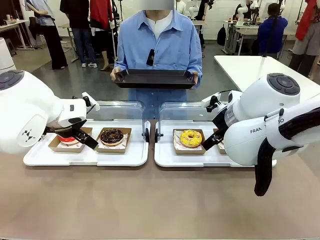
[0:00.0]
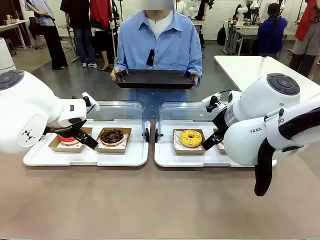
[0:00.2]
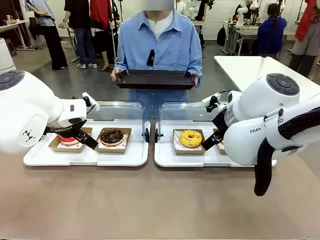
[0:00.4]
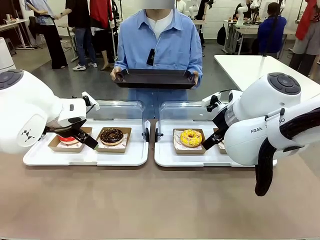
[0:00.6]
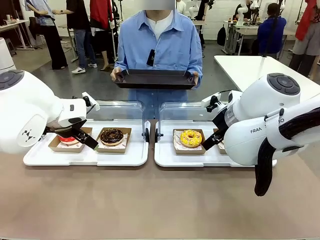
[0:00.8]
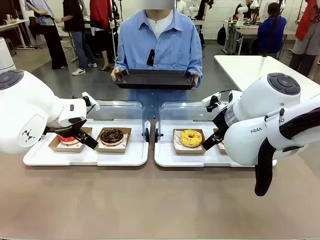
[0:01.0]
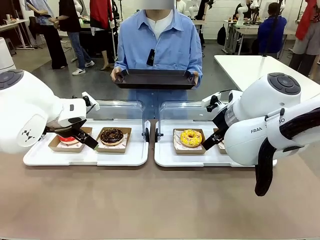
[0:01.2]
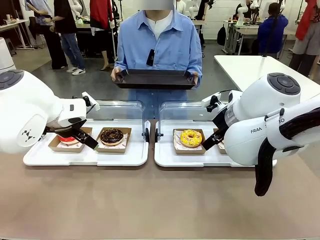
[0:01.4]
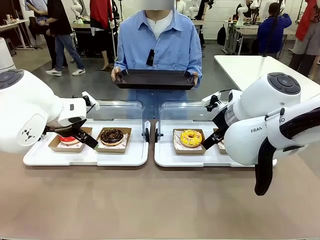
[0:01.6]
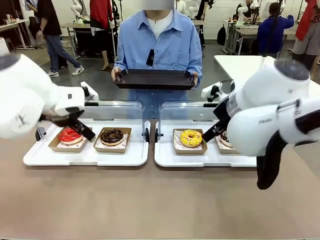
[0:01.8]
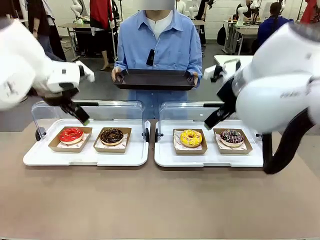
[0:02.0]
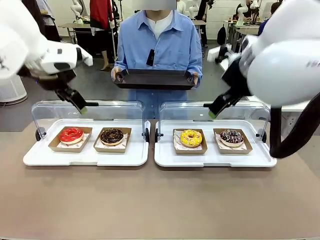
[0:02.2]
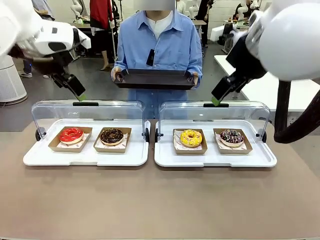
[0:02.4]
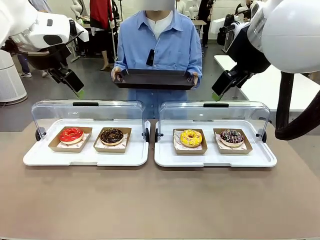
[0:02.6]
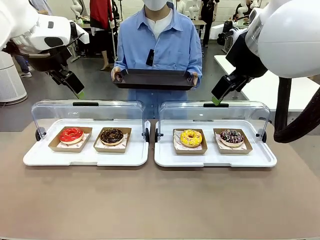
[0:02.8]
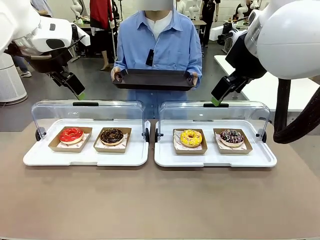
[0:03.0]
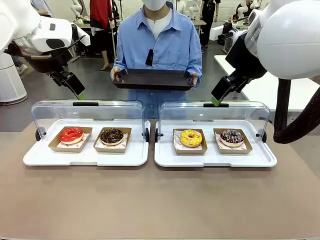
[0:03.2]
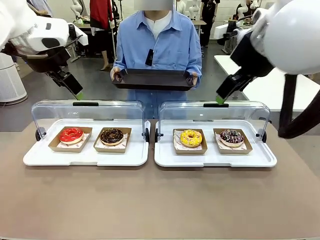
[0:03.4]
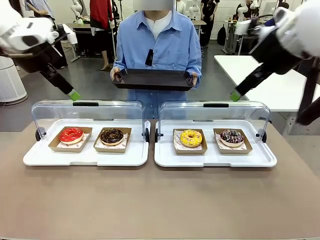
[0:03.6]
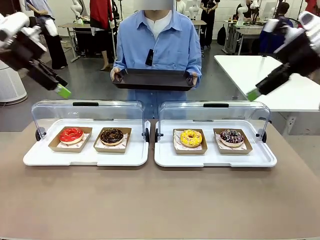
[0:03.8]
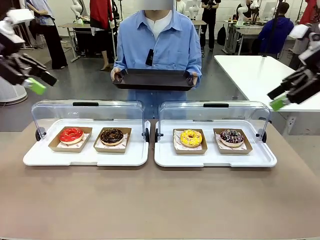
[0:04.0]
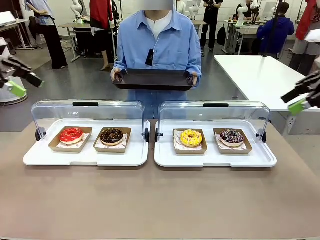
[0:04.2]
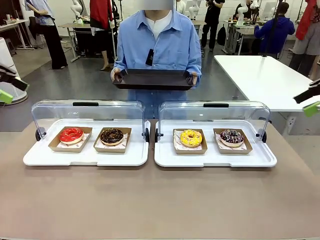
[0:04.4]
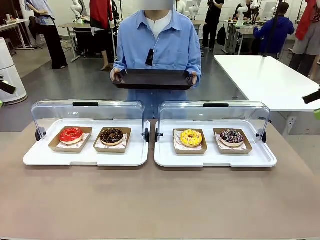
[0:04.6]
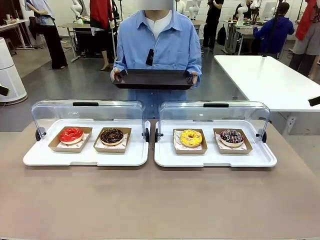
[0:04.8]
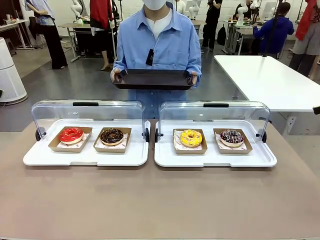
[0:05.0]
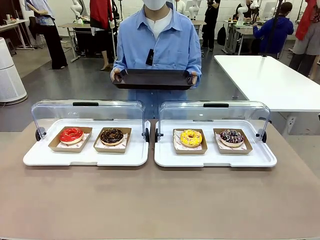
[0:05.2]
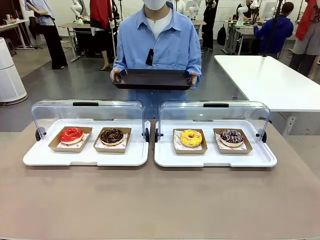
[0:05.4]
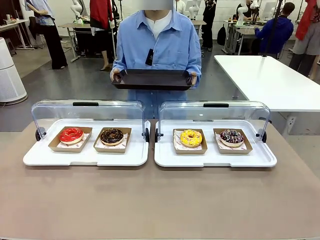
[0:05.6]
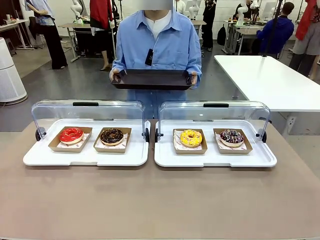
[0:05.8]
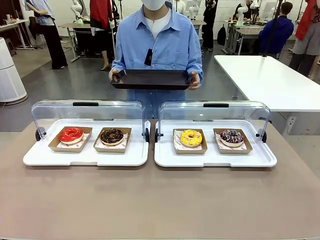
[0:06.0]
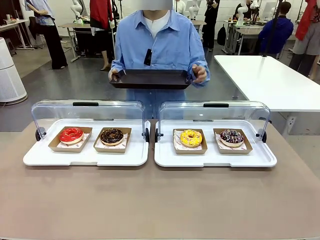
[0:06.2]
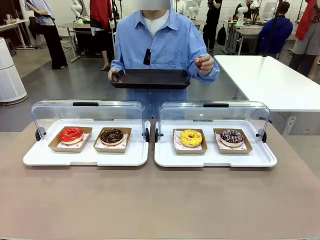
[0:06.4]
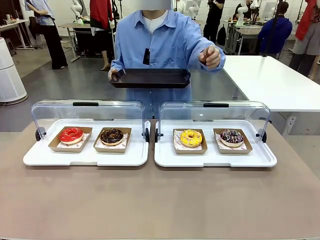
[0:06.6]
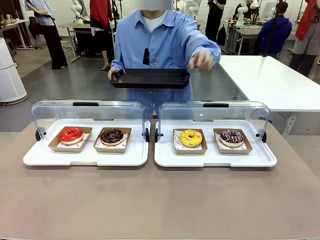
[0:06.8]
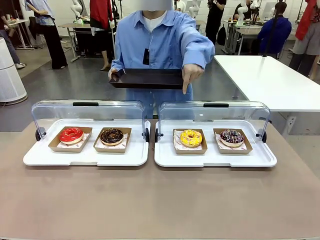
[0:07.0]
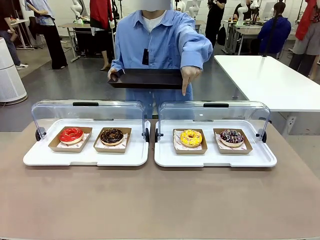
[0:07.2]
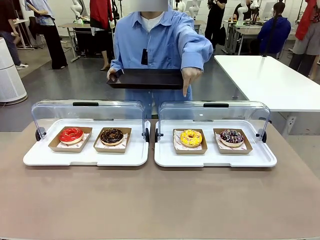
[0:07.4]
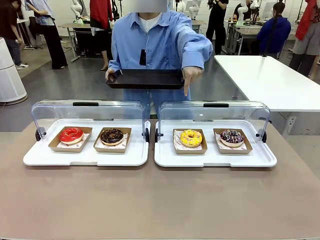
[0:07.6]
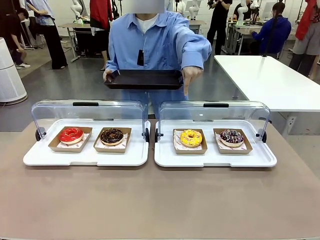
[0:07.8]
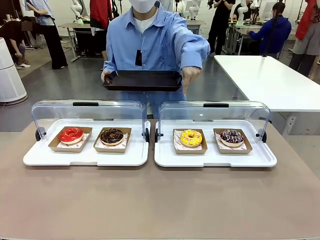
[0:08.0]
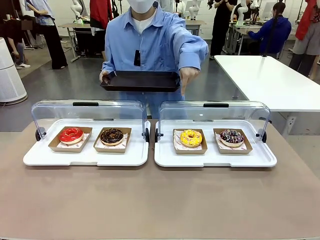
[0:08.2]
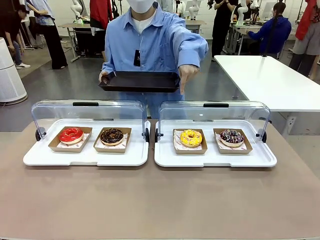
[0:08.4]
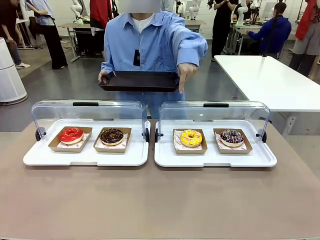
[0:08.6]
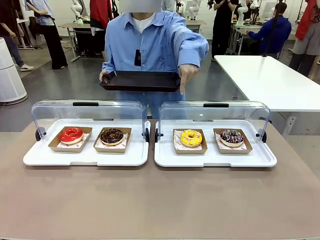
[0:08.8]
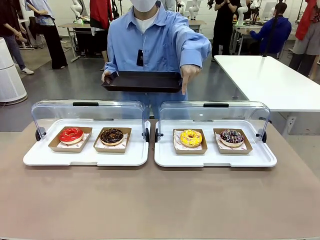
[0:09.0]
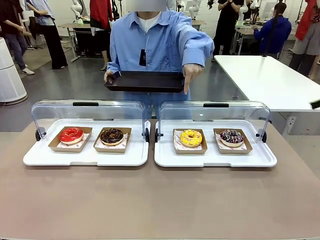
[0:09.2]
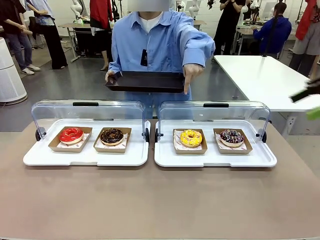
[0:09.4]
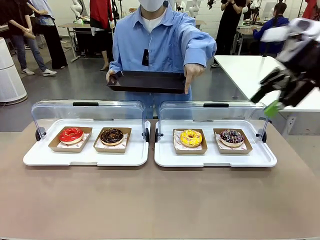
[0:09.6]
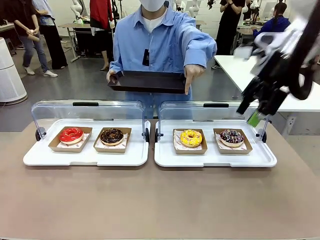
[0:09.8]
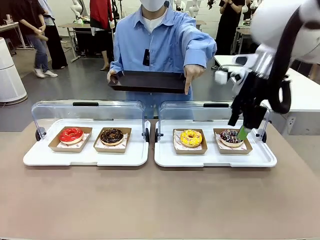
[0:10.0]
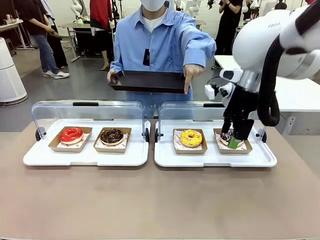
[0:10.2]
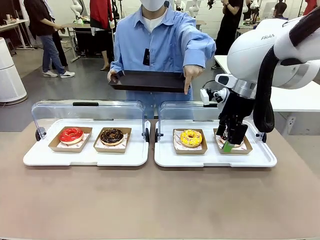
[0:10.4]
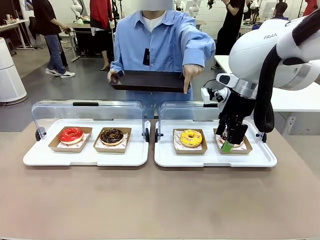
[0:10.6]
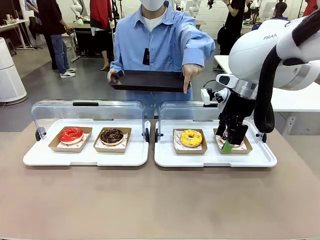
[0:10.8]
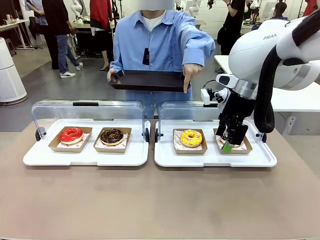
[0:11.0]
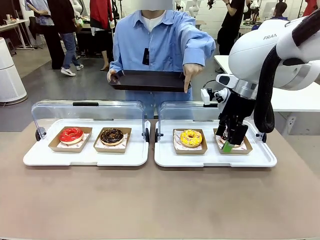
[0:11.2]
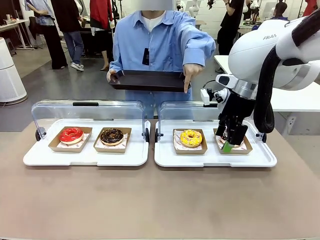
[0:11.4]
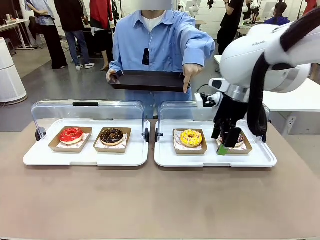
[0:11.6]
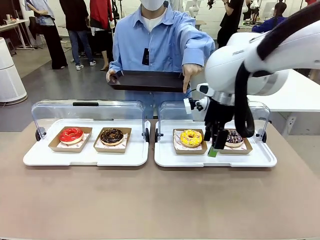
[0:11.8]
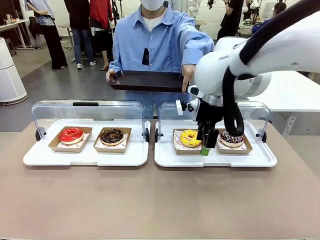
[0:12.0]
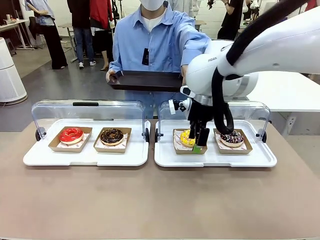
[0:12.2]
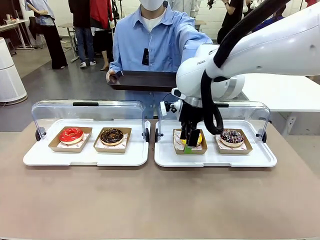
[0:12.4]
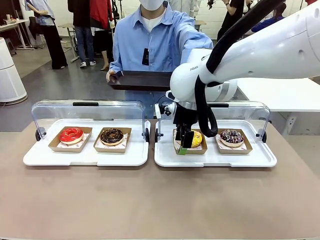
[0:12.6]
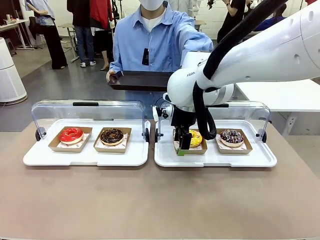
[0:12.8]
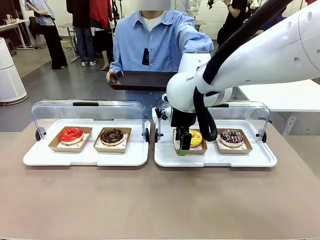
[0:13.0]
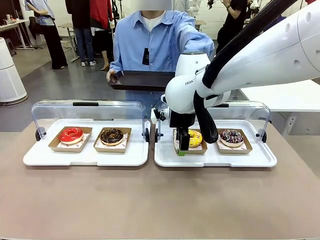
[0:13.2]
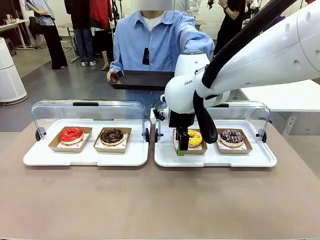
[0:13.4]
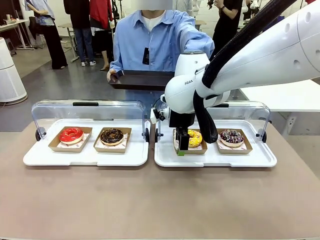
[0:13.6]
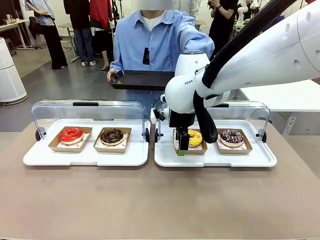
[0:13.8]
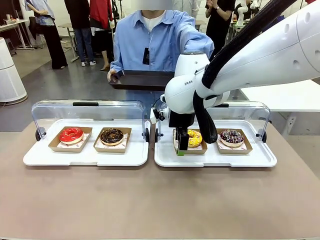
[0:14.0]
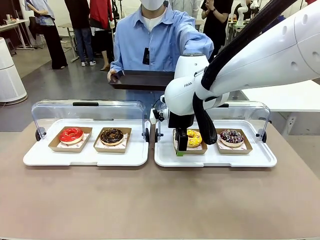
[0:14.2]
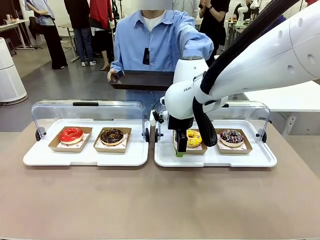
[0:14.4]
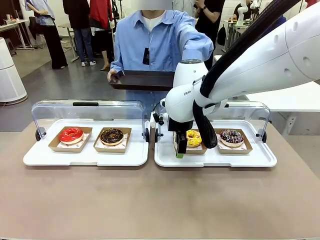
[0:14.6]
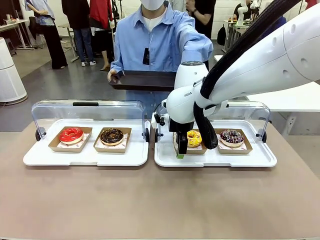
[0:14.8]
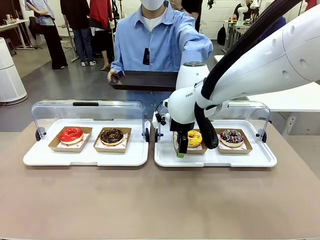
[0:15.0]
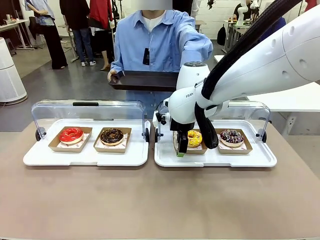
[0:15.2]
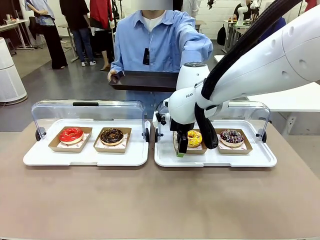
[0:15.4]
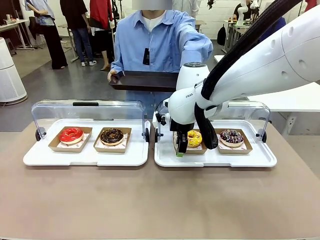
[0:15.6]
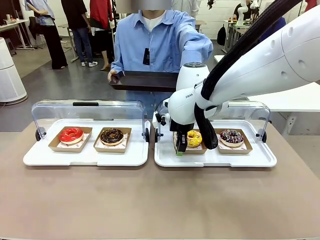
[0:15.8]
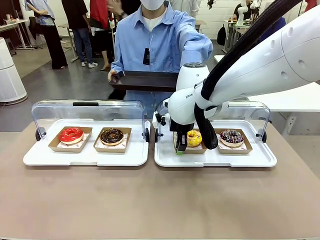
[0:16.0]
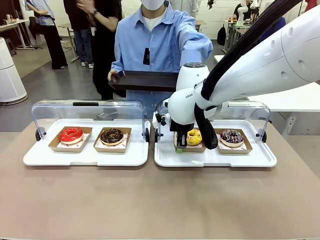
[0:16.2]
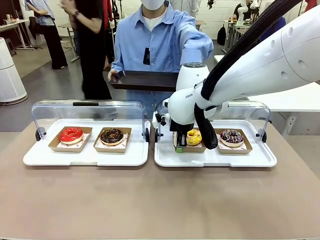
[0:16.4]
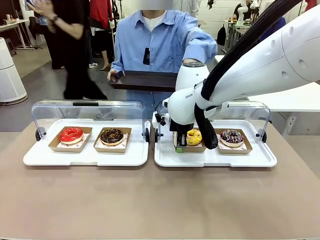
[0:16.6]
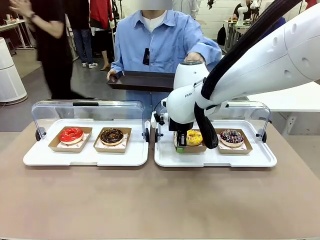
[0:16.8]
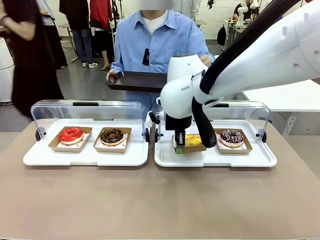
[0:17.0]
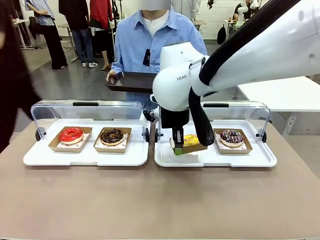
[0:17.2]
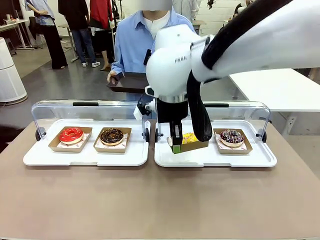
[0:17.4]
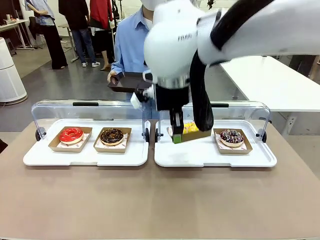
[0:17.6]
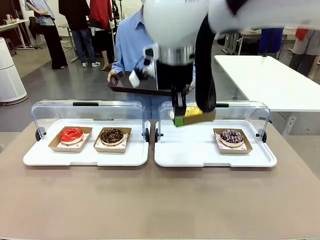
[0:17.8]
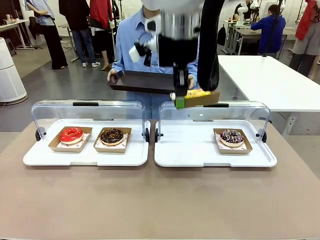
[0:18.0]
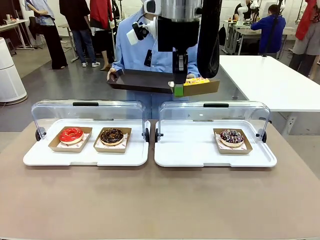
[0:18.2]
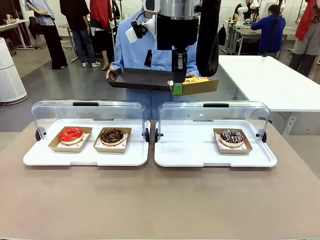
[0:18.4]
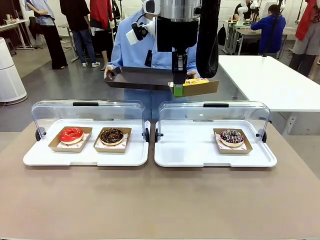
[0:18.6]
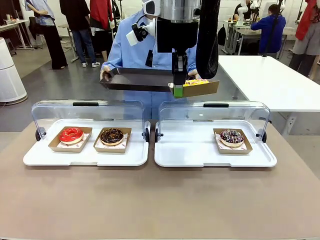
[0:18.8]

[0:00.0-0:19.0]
Task: Provide the desired donut to the person.
Robot: Pick up and lift the Paper togo box containing the Donut pointed at by the person.
Person: Point to one donut. Lift the tray onto the Roll-Top Bakery Case.
